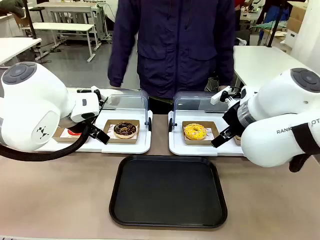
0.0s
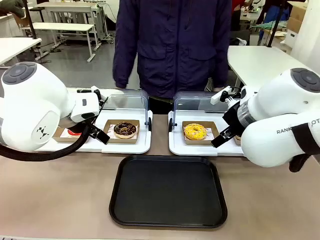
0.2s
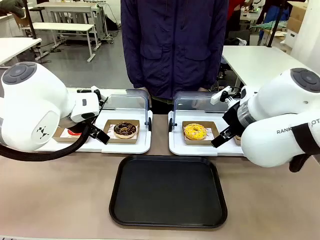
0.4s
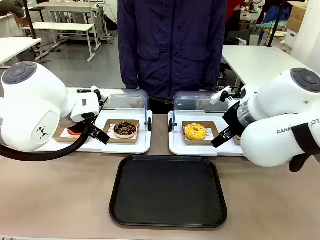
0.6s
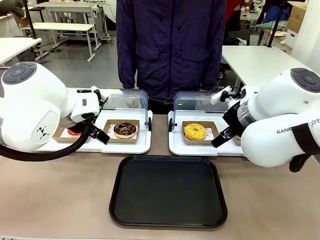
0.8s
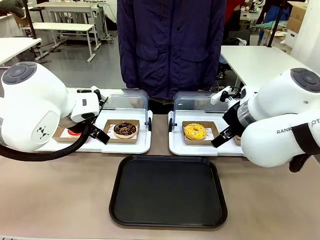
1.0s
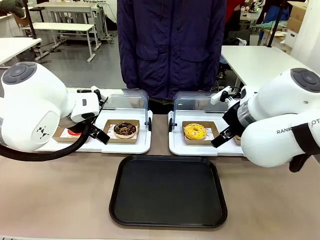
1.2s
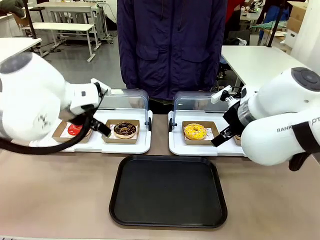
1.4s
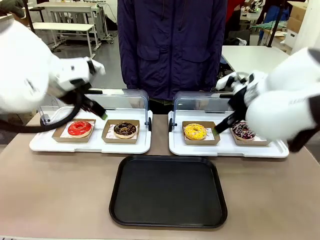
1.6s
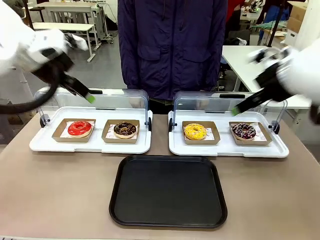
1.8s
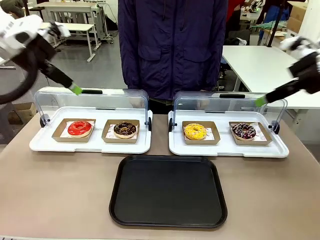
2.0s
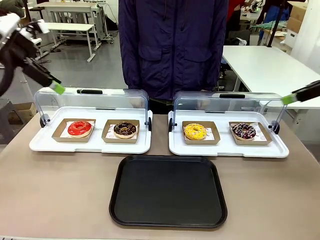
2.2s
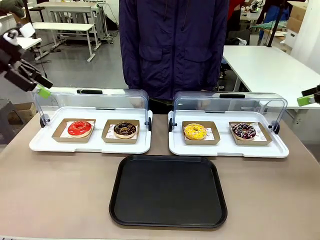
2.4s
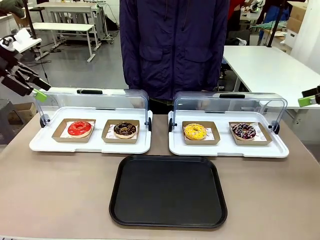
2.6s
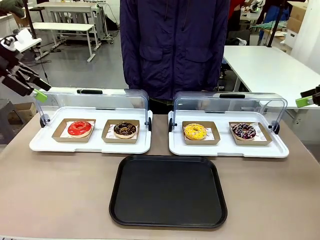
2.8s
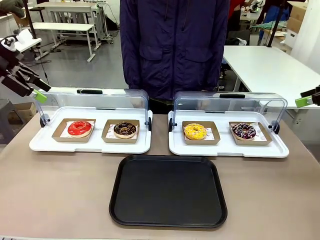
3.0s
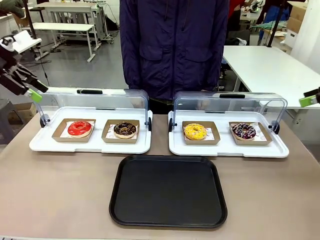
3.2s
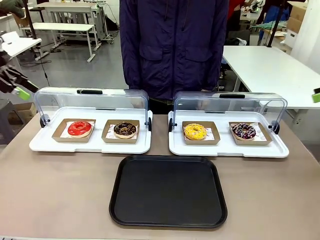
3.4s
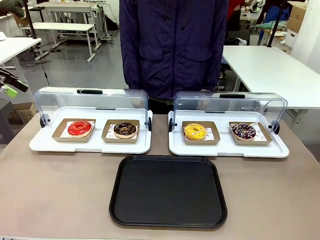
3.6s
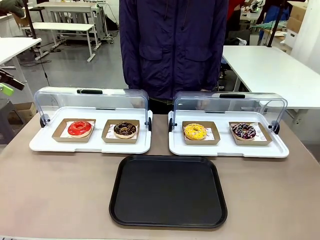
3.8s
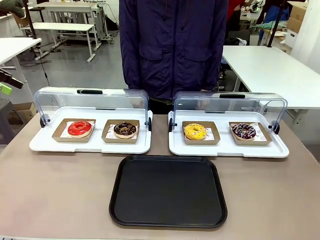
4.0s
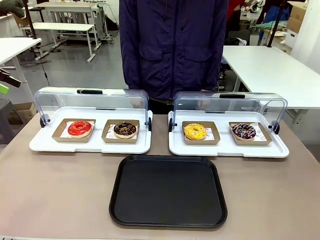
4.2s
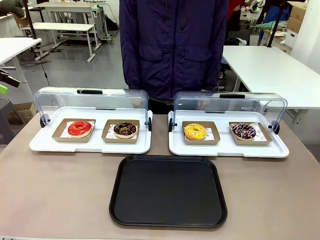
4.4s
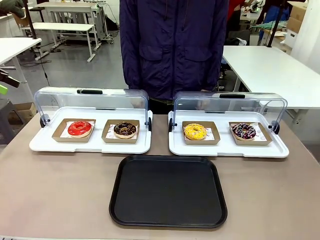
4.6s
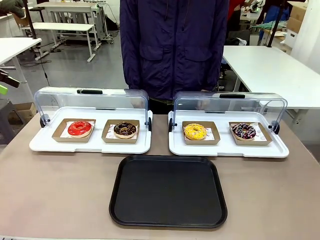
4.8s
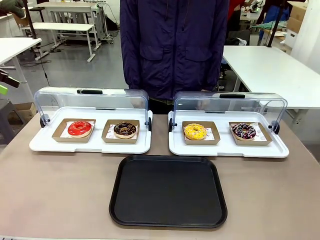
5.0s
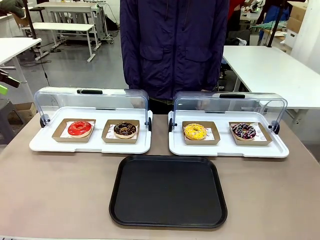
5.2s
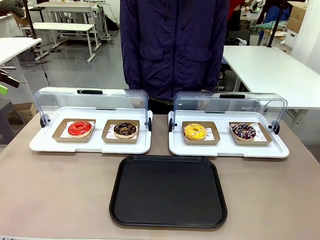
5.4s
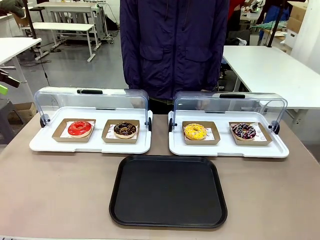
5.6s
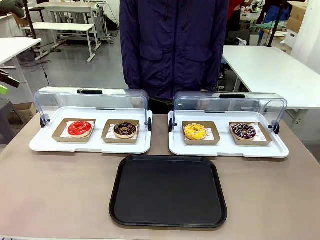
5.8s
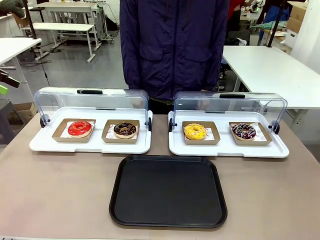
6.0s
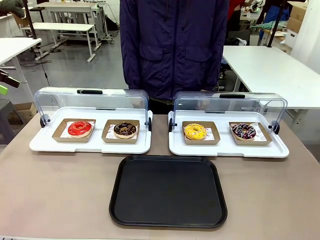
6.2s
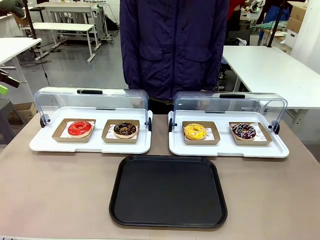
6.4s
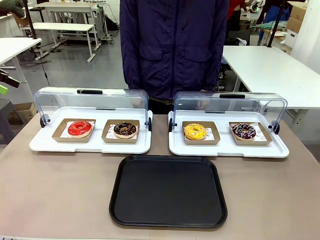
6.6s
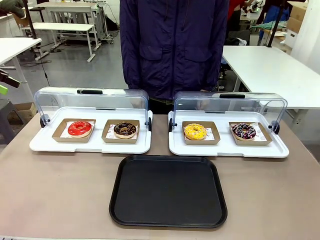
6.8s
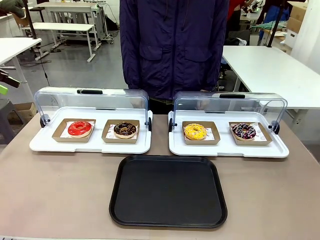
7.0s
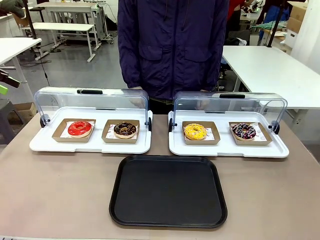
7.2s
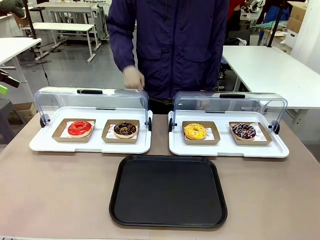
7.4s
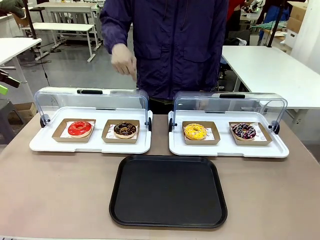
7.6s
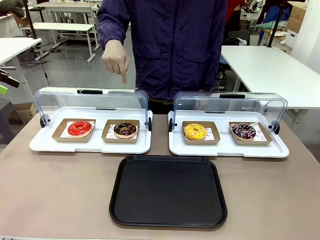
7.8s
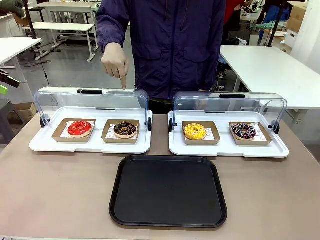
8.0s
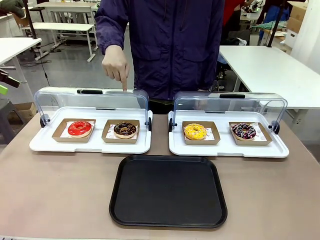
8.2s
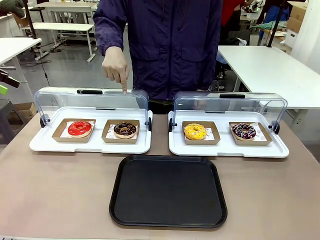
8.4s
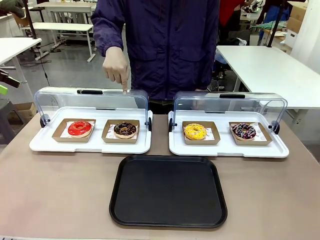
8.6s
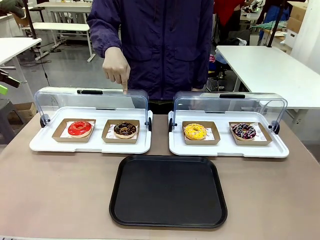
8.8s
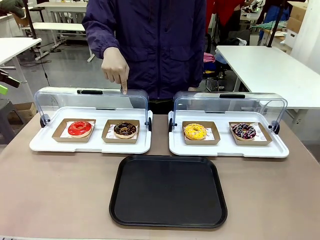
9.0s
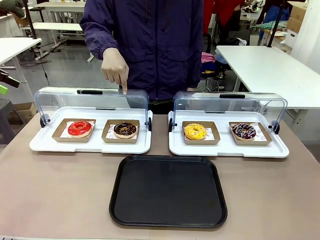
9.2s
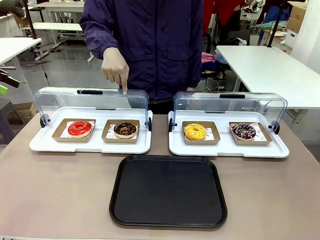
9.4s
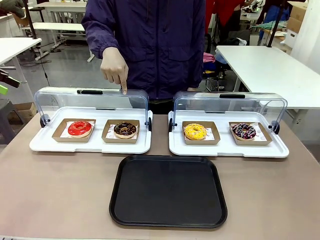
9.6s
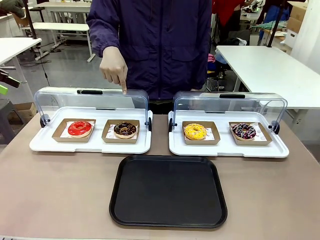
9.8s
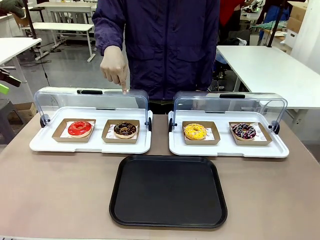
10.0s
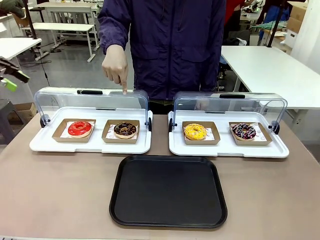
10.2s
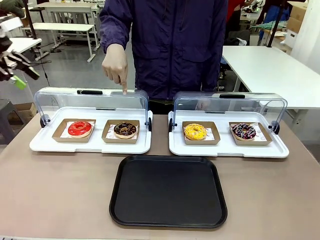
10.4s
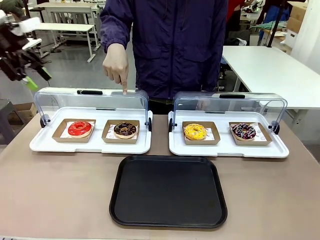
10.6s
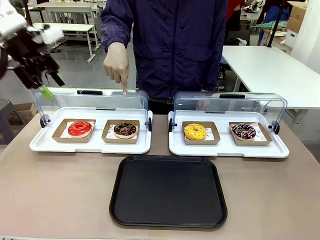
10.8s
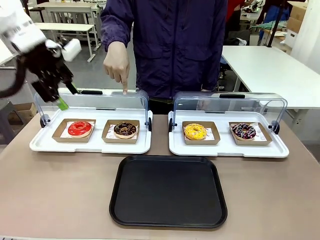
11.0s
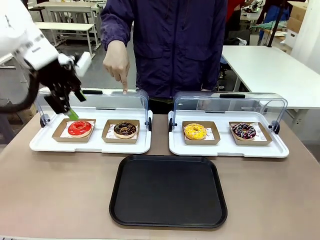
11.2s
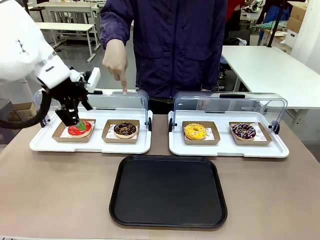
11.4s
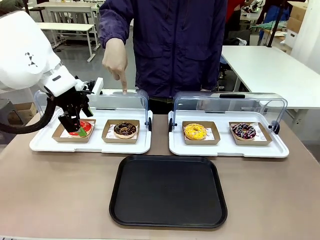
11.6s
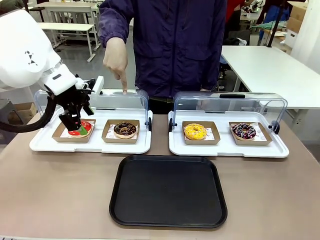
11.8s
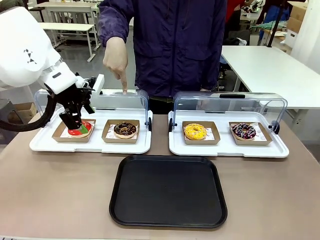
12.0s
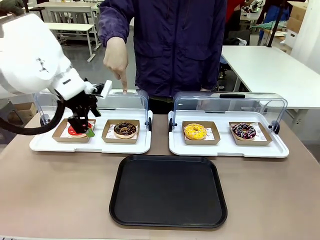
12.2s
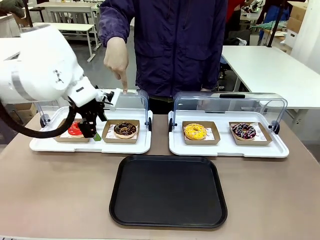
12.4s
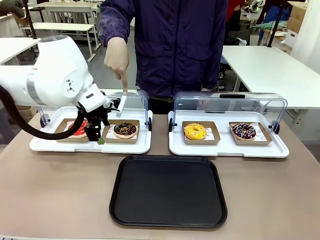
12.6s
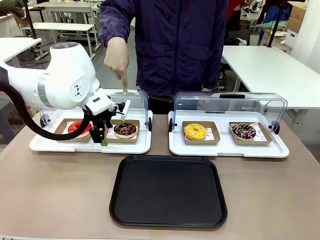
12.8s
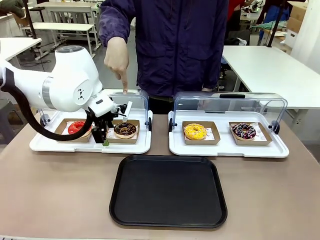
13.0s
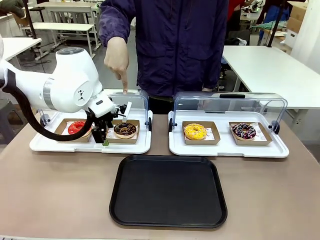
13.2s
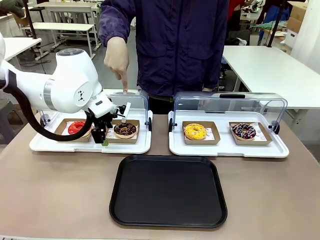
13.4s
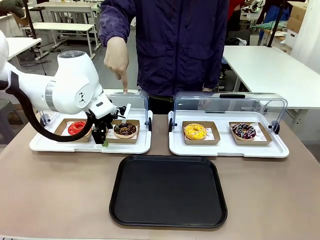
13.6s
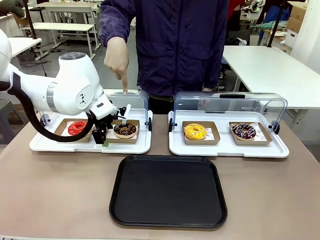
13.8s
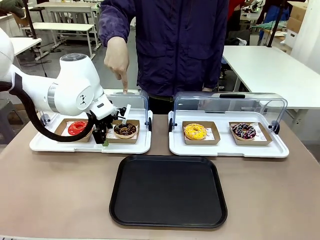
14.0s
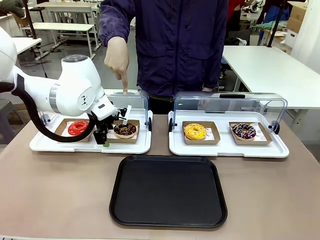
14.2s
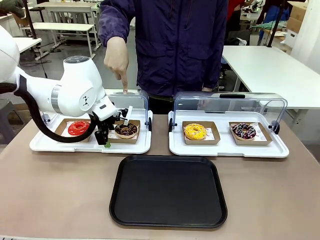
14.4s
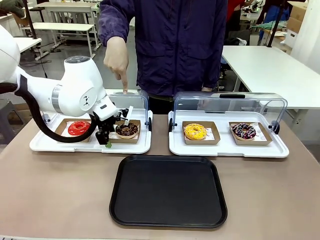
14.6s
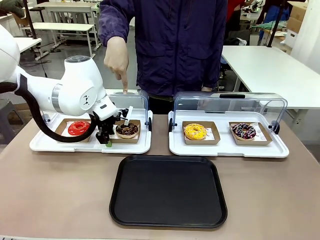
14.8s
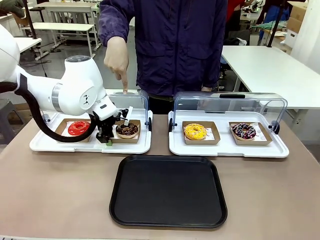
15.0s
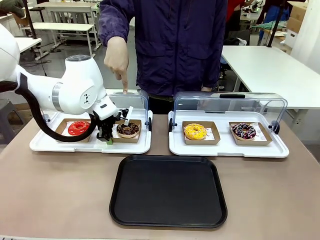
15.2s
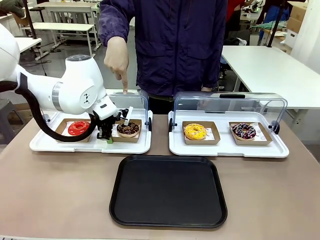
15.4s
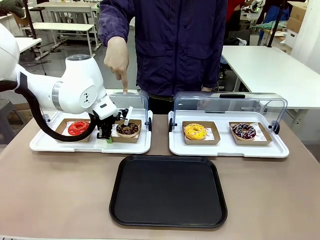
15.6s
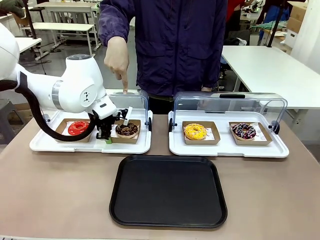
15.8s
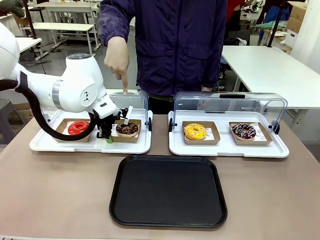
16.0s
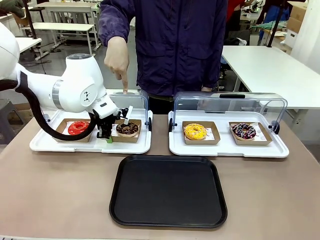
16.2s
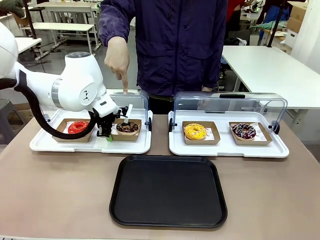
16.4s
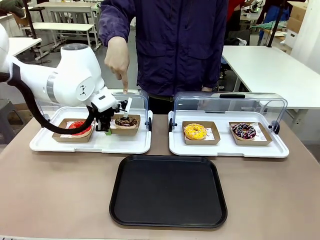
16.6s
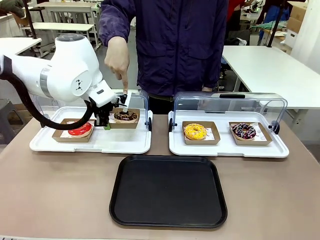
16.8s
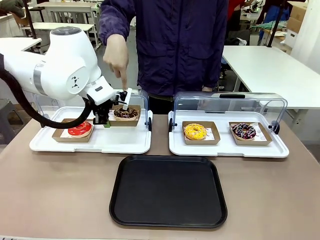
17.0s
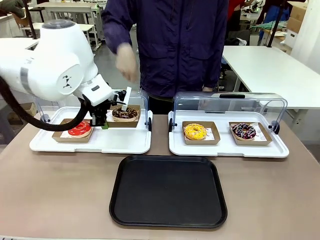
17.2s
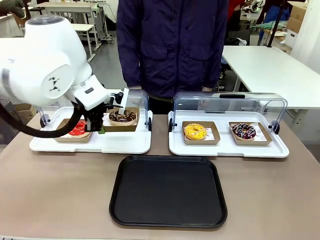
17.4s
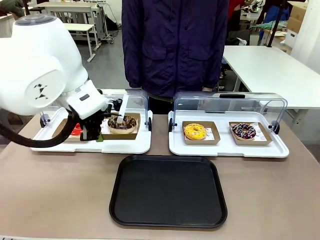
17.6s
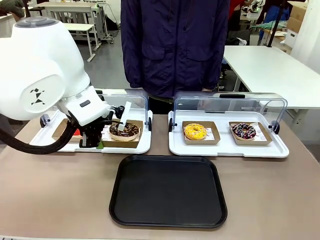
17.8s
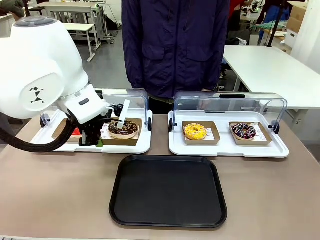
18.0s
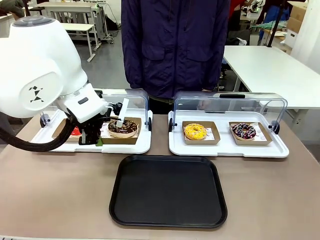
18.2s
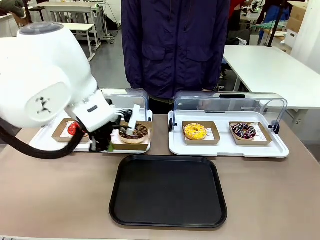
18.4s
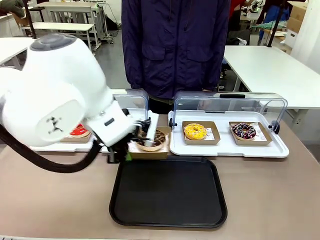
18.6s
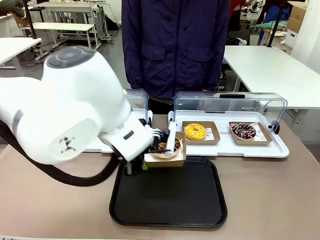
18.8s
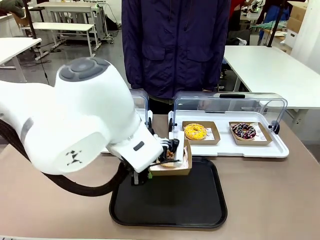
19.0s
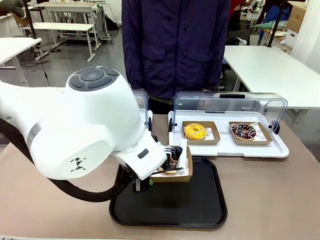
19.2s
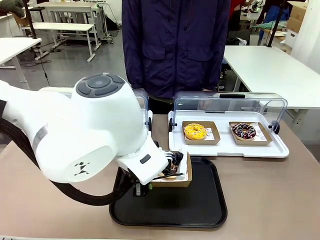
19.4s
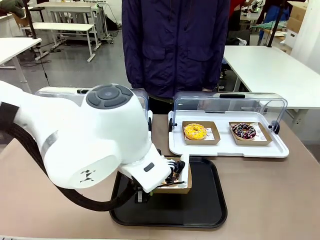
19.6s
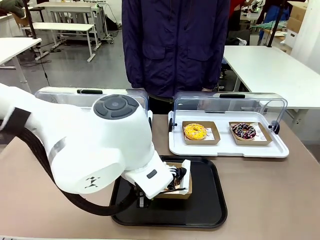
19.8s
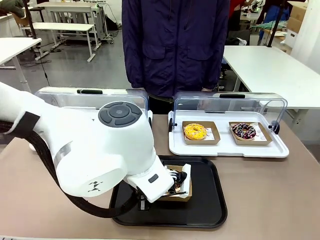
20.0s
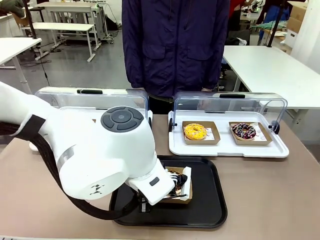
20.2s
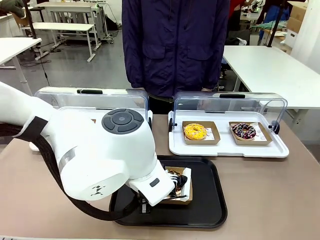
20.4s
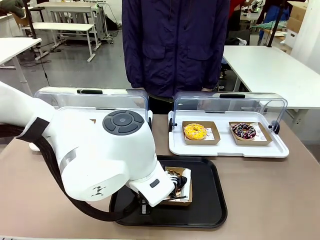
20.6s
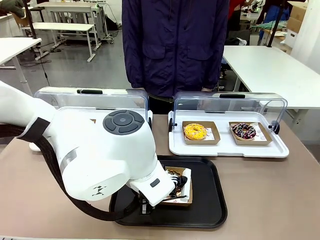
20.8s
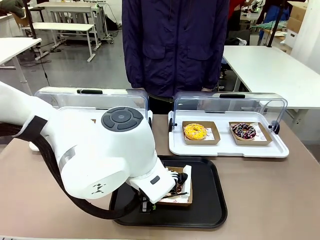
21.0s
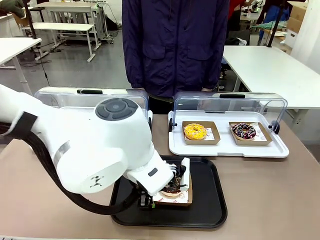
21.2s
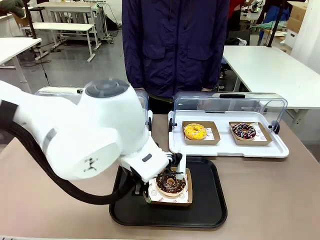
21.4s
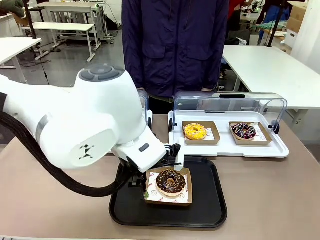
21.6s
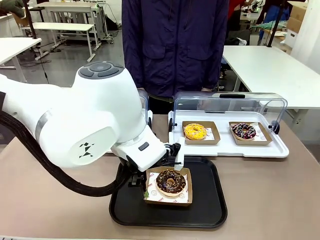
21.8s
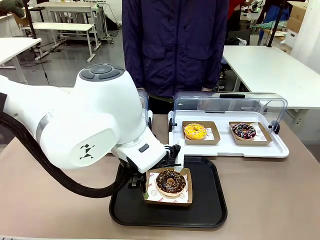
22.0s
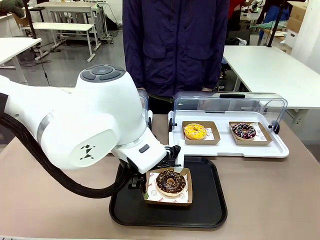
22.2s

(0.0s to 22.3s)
Task: Move the second donut from the left to the tray.
Robot: Pick up the Paper togo box containing the Donut indicated by the person and place it on the Handle tray.
Person: Points to the second donut from the left from the robot’s perspective.
